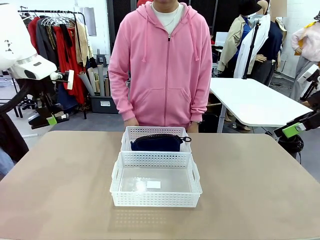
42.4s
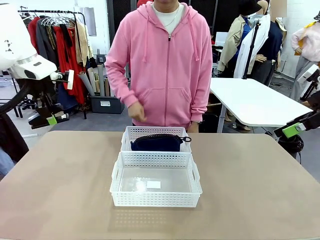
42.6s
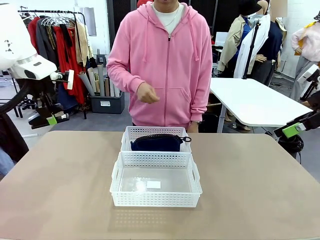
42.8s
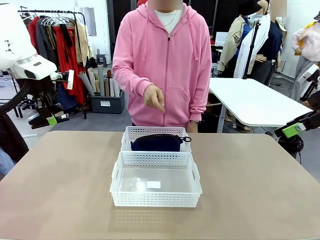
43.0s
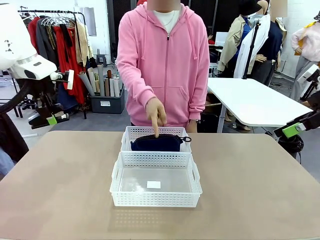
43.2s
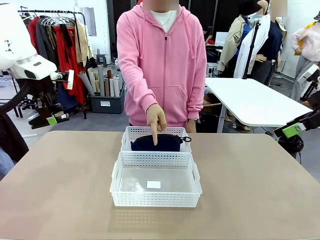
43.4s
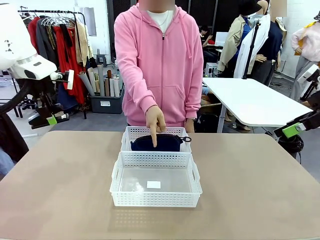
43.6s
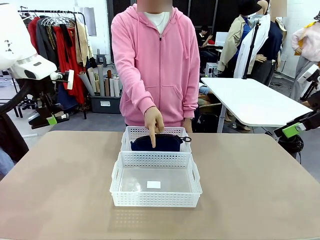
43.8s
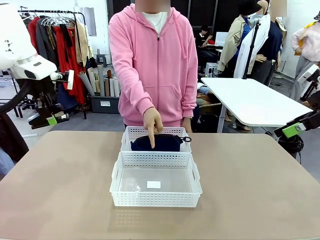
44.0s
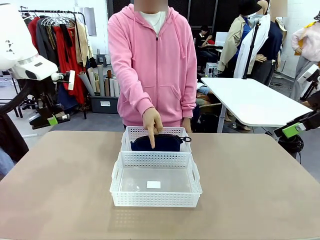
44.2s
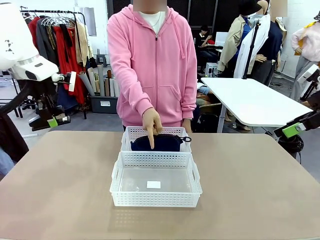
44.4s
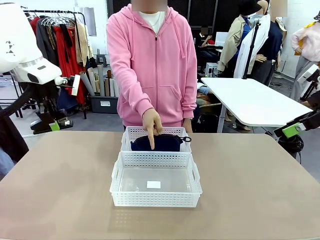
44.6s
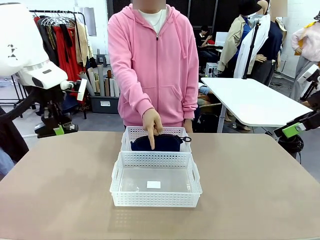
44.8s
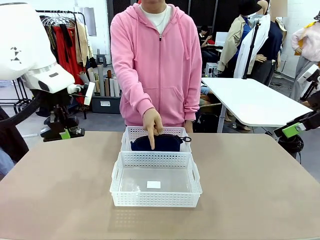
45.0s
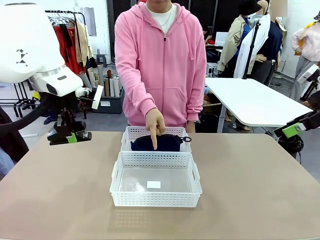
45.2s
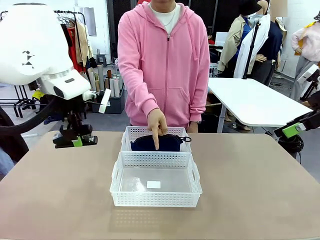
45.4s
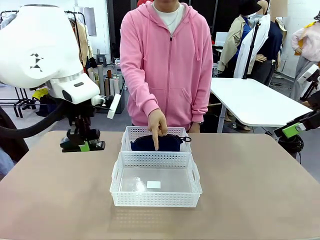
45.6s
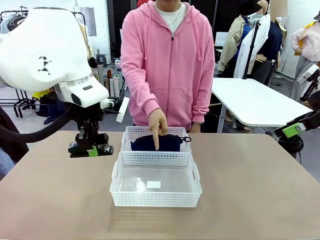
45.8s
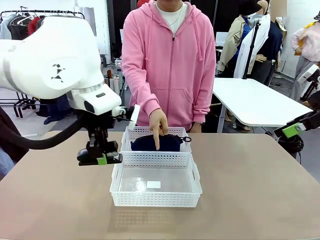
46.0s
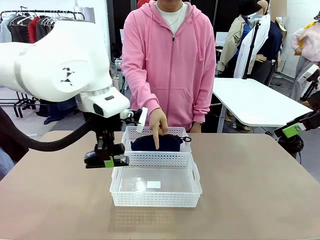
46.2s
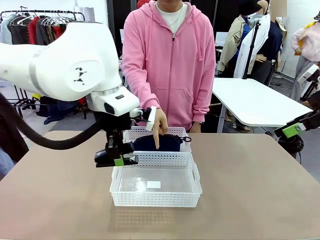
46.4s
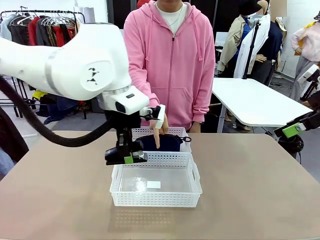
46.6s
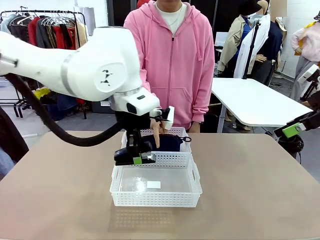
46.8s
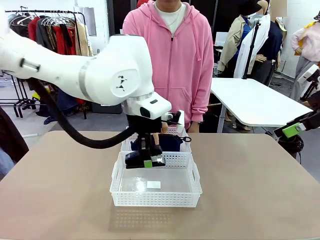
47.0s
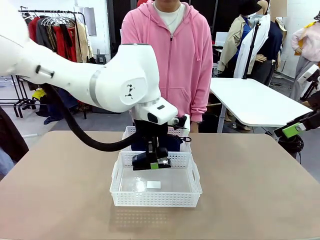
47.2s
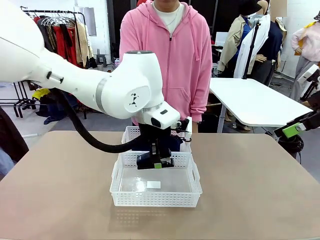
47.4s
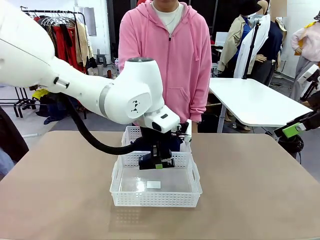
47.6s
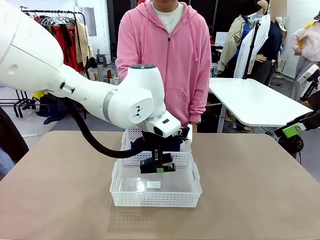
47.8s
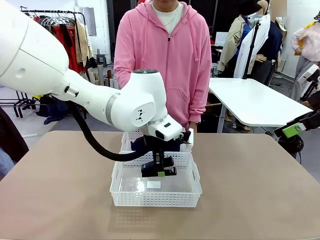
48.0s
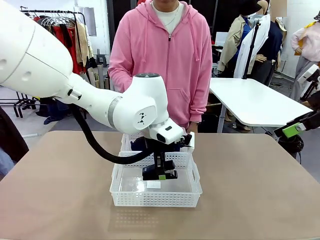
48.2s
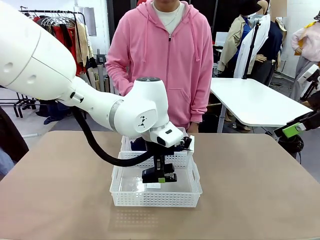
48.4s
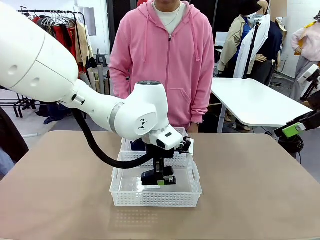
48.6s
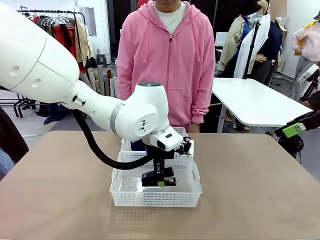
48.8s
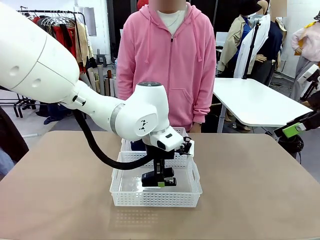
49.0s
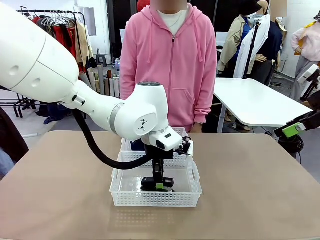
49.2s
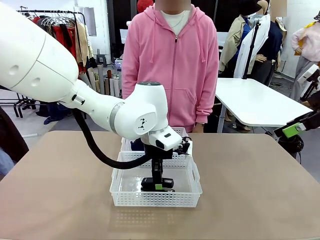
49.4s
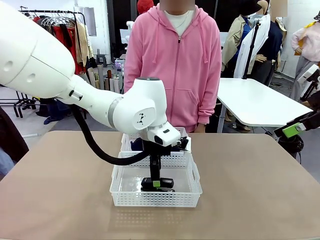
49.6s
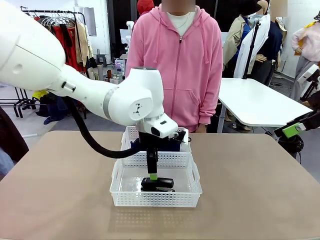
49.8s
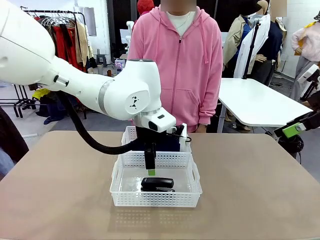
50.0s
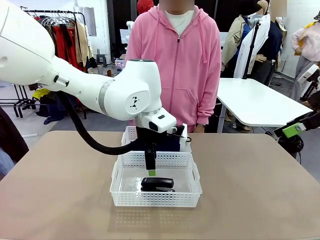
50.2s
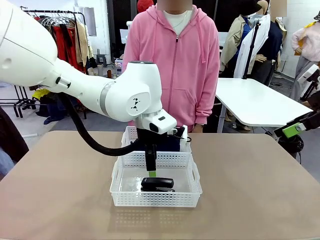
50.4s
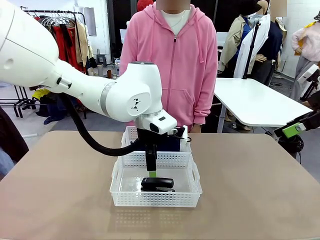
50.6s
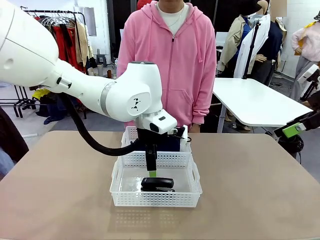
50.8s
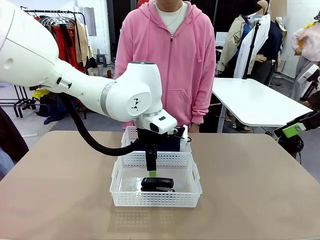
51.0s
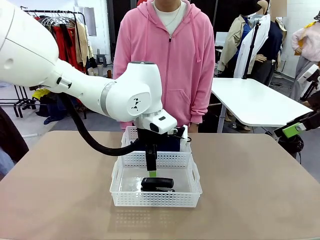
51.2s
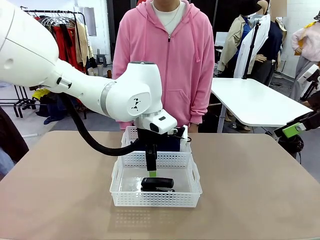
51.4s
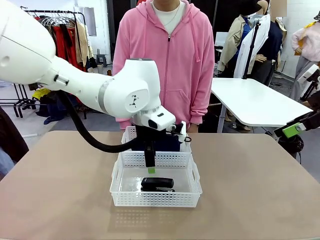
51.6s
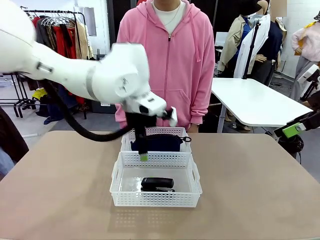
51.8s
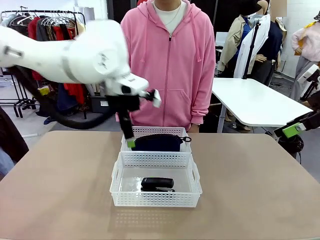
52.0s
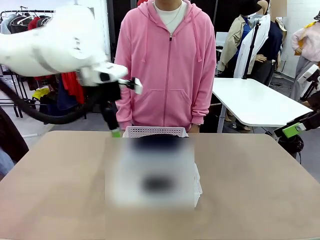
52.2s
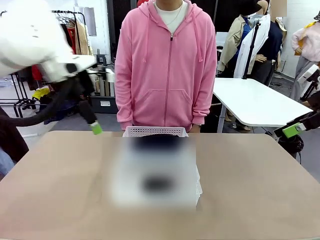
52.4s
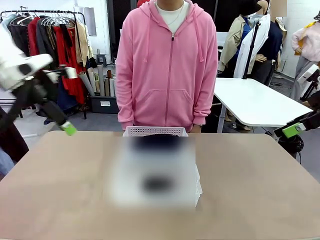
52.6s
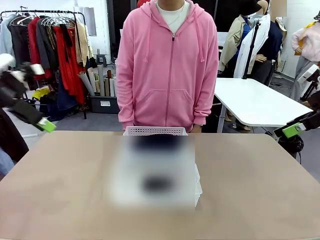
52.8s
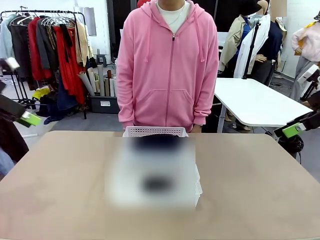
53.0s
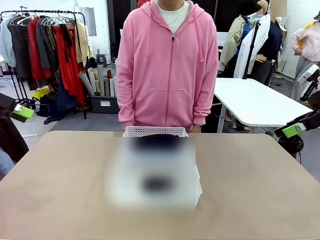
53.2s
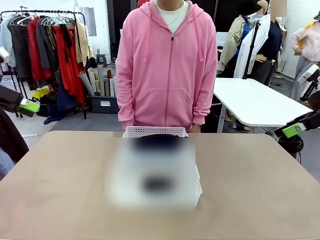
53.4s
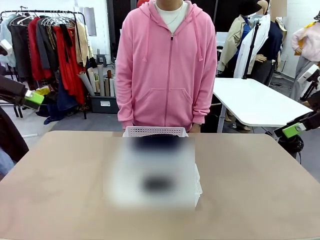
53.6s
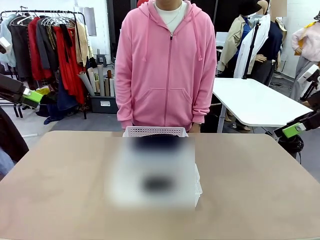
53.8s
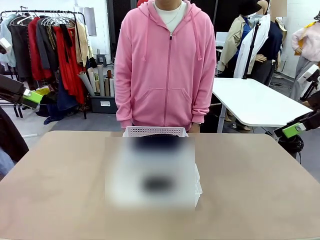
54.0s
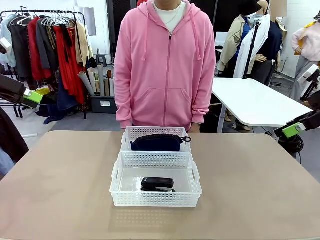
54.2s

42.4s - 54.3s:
Task: Distribute items into two baskets.
Robot: Place the picked Stapler into the Organizing basket as instructed by the person.
Person: Points to the basket that does not contain the pencil case and instructs the robot to move the stapler there.

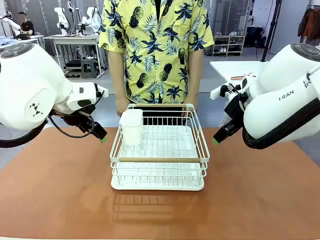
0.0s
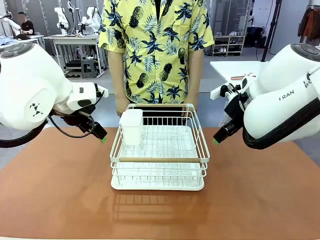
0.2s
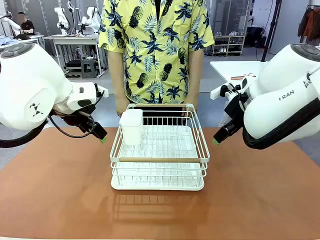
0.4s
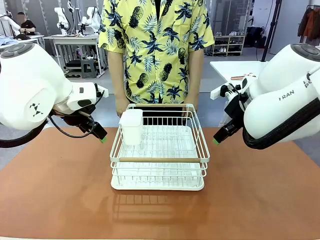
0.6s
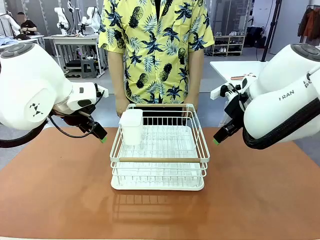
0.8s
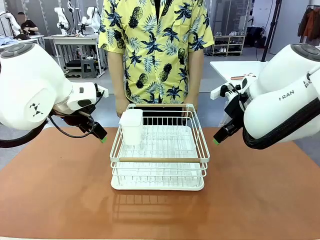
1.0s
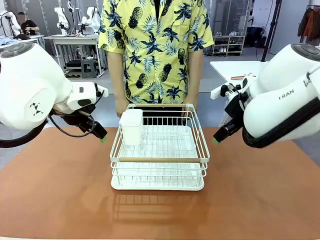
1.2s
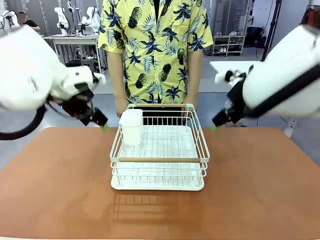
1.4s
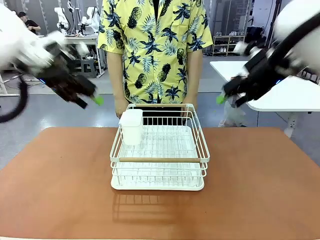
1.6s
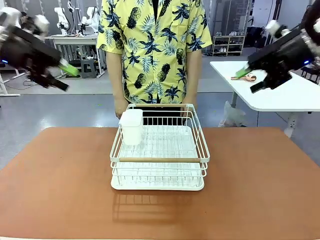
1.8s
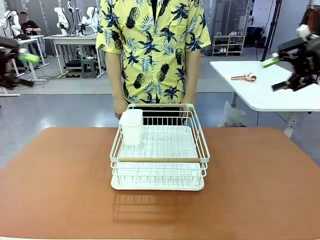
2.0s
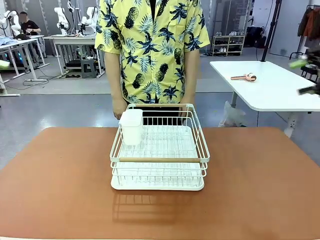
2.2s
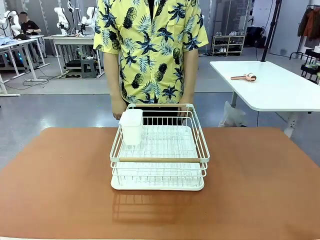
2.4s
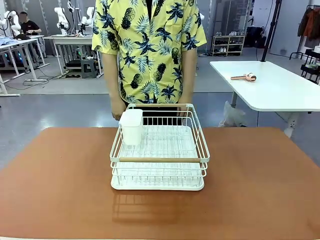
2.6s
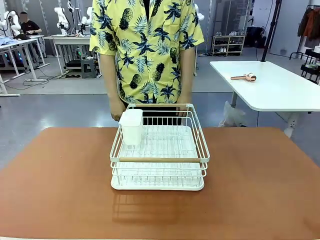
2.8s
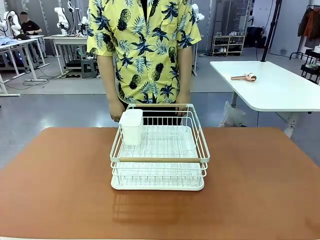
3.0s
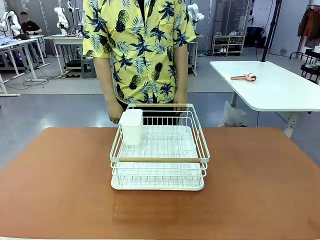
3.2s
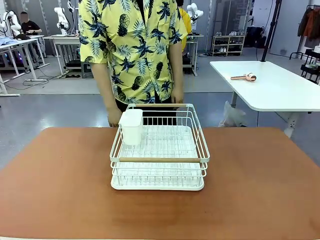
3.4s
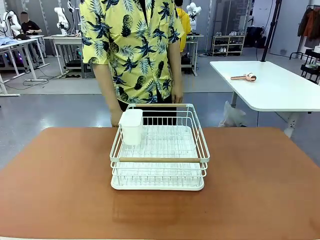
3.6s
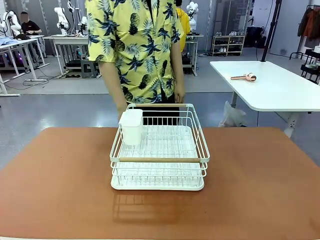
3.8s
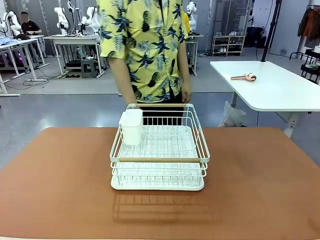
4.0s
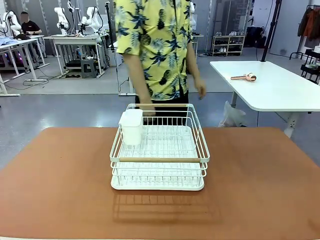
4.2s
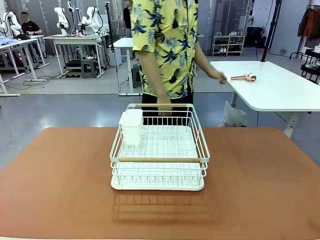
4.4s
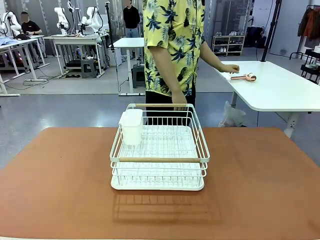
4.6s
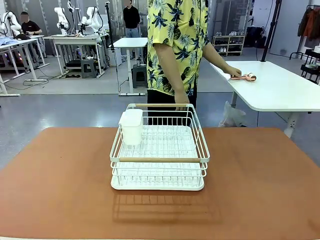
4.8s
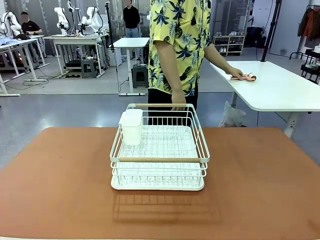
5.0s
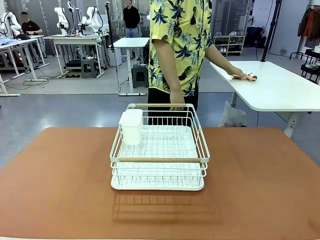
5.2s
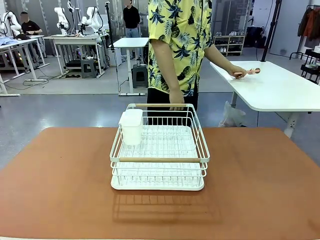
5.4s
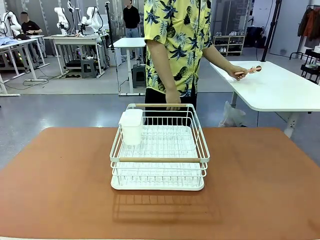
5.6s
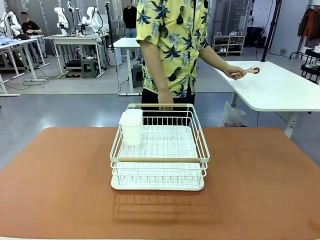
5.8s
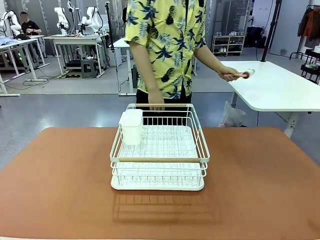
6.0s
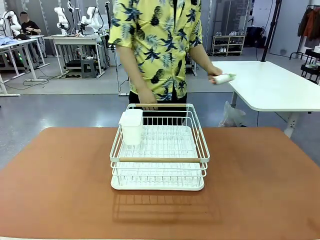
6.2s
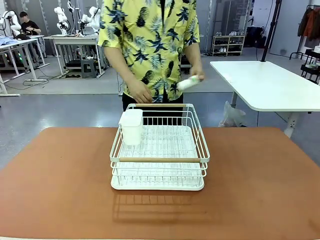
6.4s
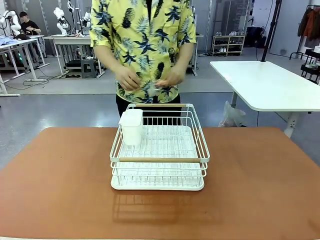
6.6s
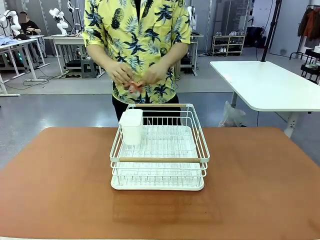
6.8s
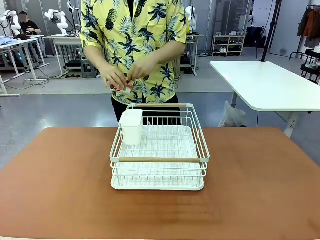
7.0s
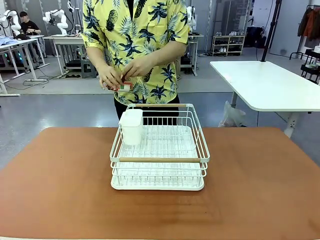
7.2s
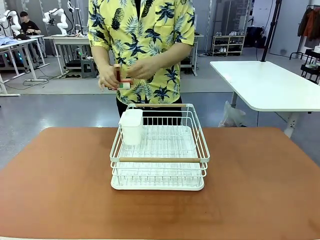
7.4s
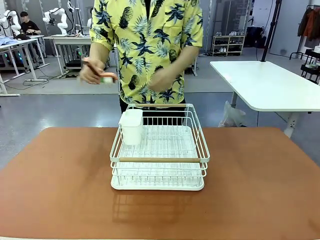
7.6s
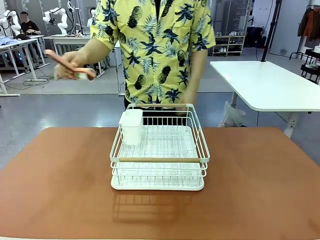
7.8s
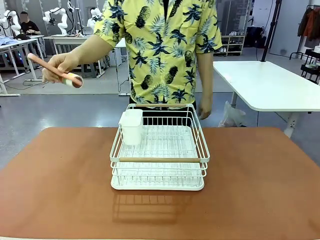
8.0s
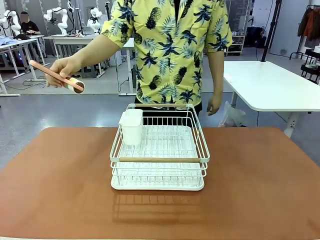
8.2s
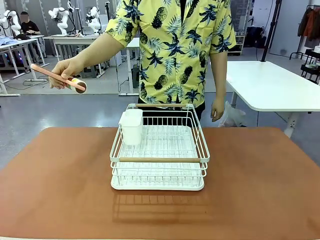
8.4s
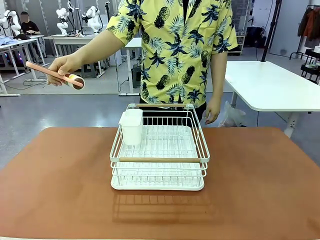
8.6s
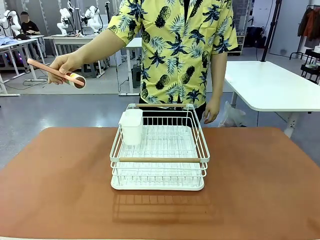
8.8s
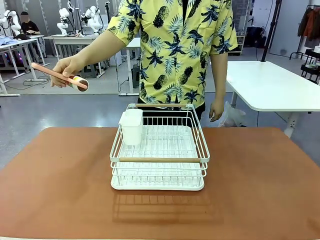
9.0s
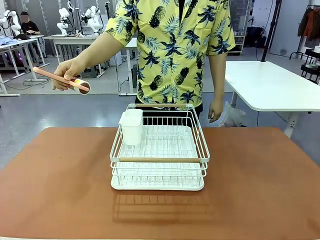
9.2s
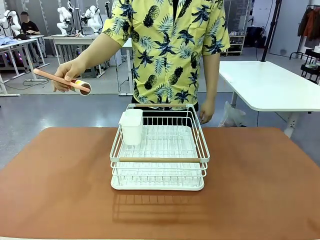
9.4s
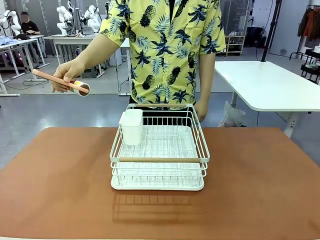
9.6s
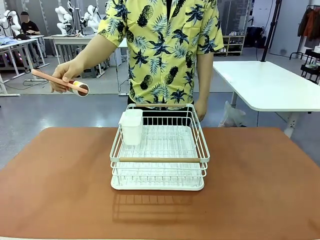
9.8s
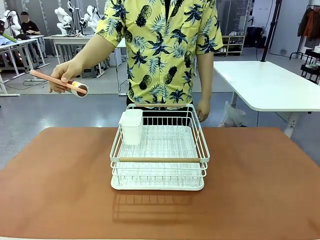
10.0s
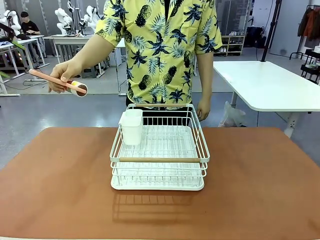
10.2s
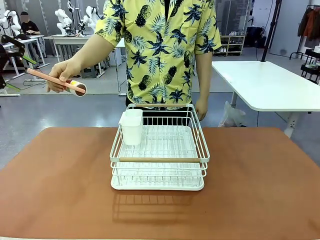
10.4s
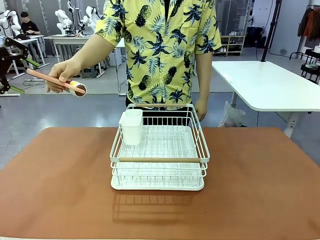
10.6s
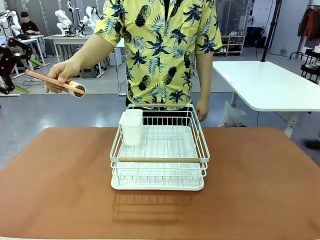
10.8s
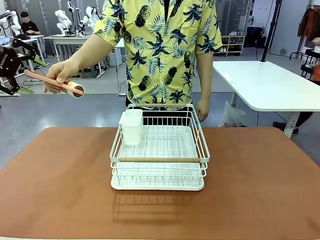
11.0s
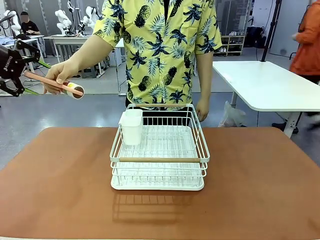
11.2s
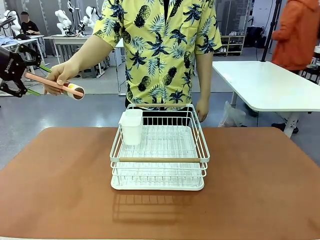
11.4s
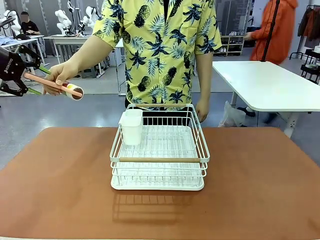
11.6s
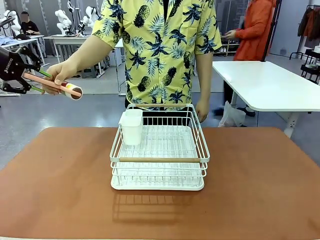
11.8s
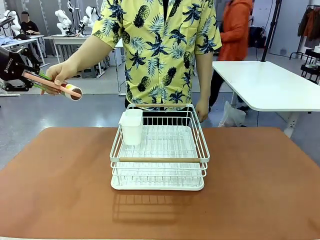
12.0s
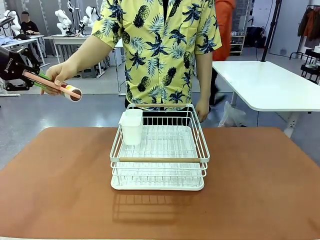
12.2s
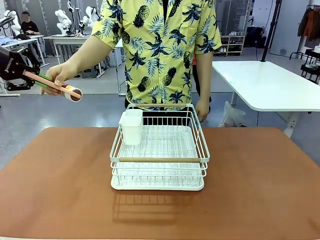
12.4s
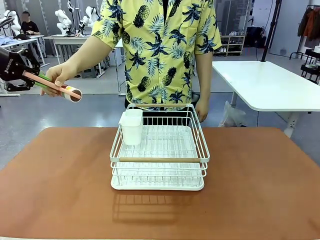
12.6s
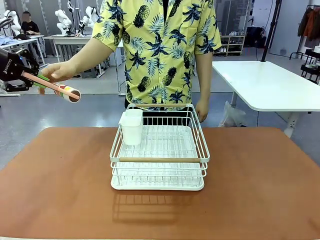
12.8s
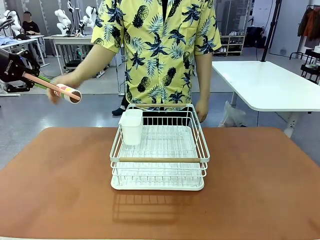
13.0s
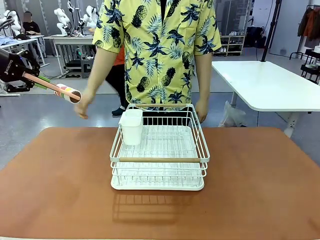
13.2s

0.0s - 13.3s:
Task: Clean the table.
Robot: Pick up the Lint Roller when the human hands it over.
Person: Hand the Lint Roller to the robot so it can easily pick it up. Lift the Dish drying rack.
